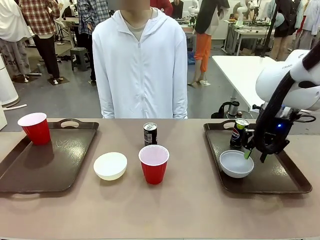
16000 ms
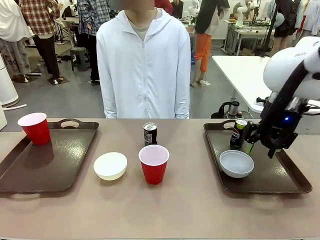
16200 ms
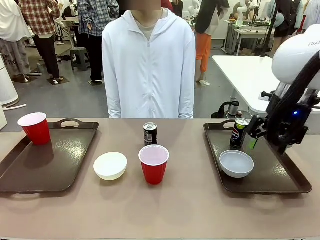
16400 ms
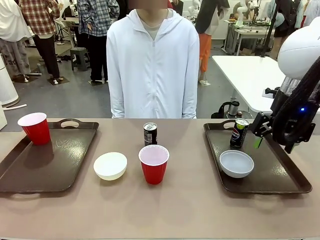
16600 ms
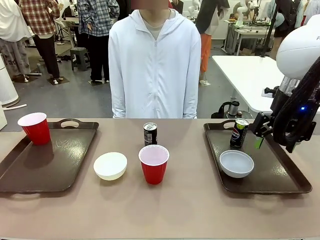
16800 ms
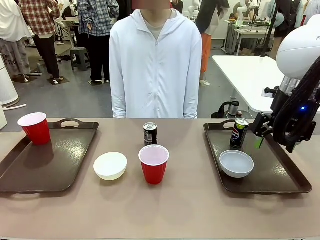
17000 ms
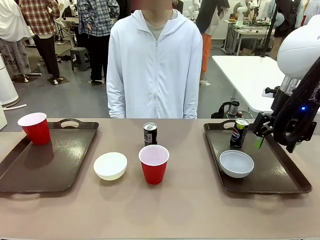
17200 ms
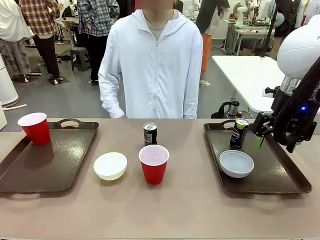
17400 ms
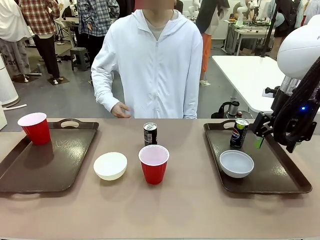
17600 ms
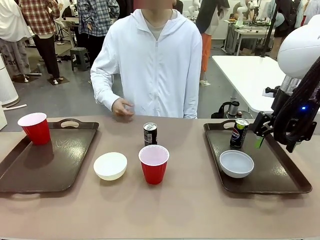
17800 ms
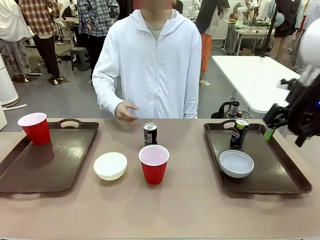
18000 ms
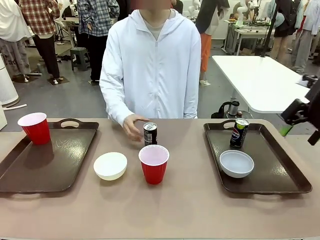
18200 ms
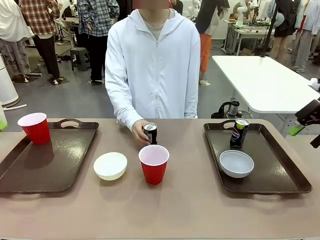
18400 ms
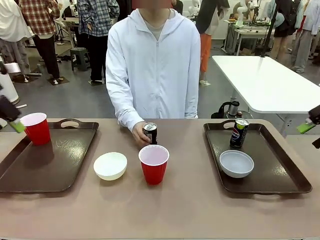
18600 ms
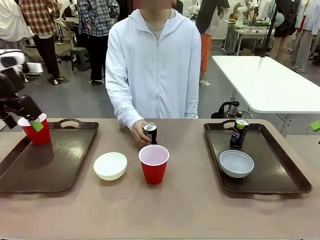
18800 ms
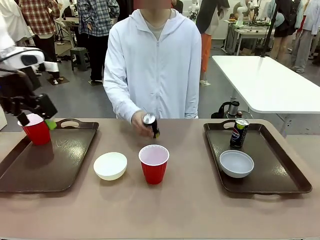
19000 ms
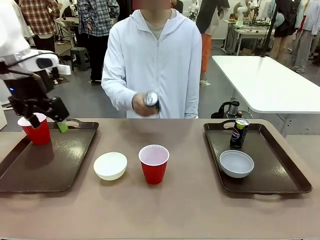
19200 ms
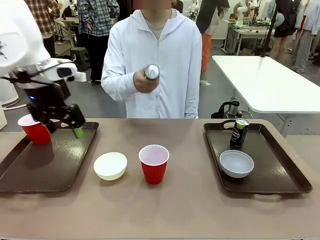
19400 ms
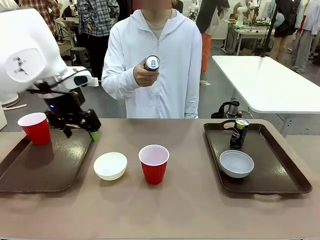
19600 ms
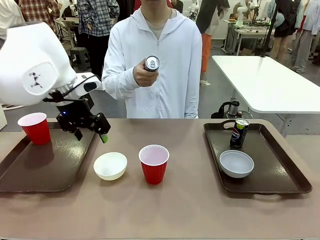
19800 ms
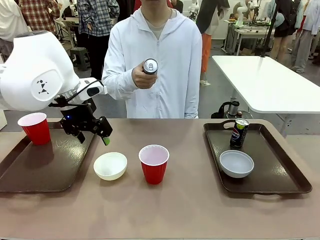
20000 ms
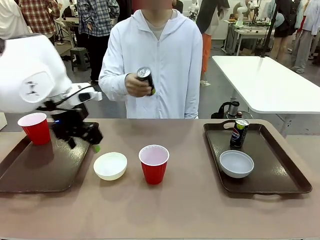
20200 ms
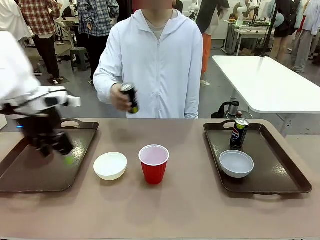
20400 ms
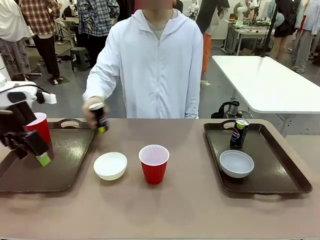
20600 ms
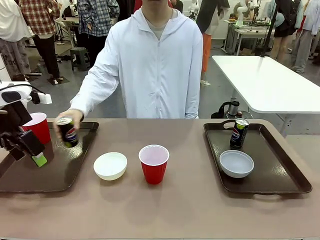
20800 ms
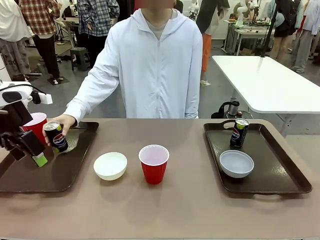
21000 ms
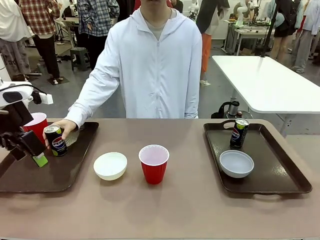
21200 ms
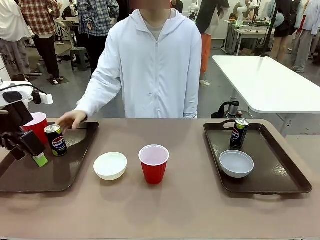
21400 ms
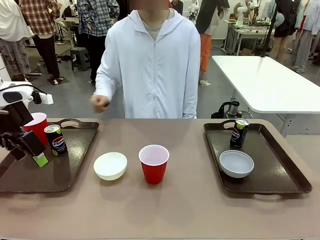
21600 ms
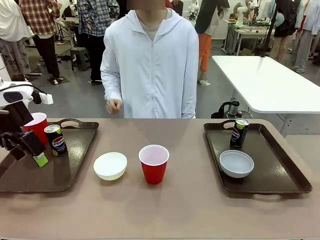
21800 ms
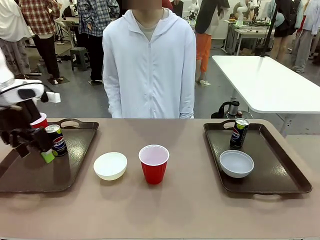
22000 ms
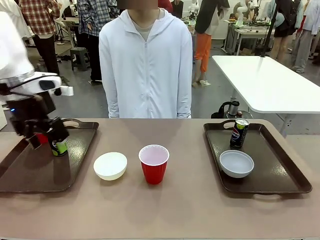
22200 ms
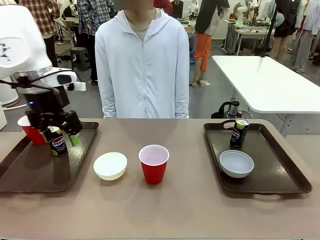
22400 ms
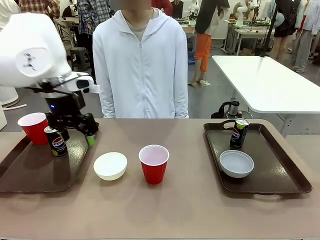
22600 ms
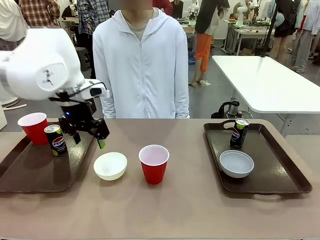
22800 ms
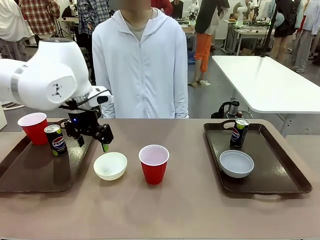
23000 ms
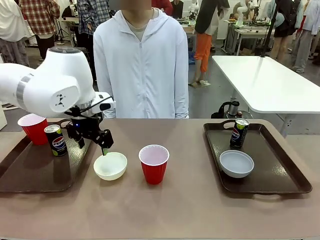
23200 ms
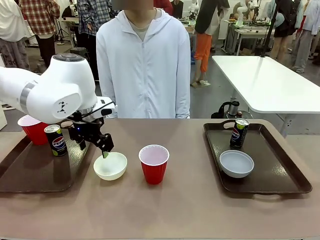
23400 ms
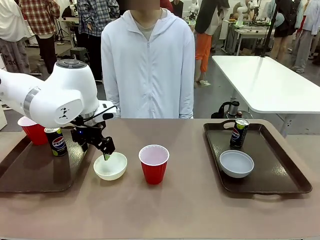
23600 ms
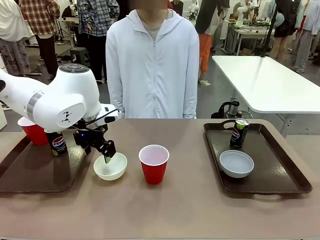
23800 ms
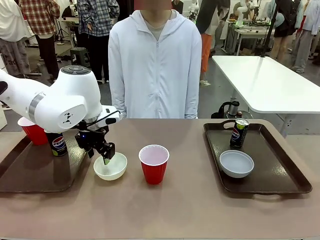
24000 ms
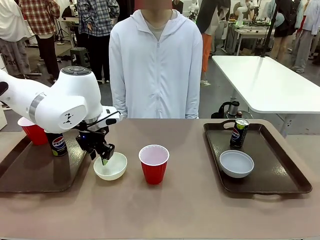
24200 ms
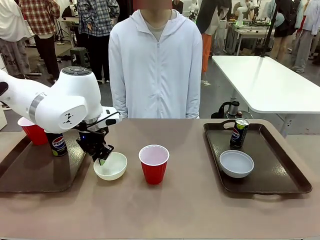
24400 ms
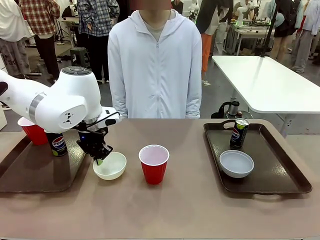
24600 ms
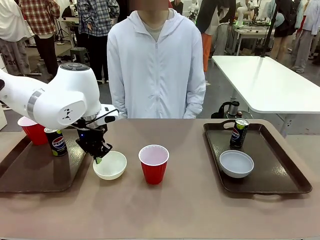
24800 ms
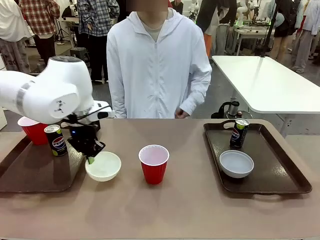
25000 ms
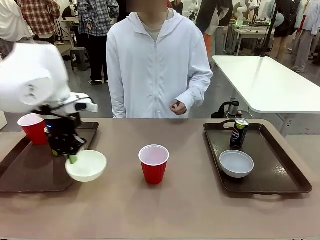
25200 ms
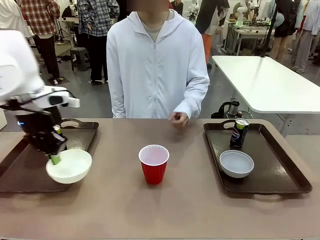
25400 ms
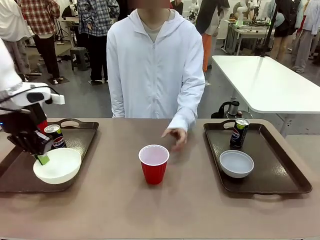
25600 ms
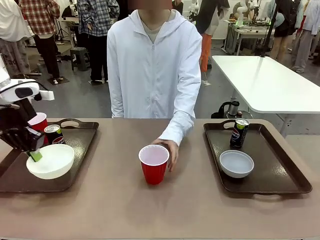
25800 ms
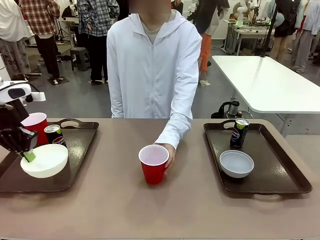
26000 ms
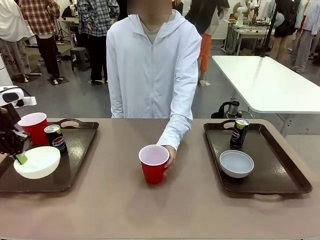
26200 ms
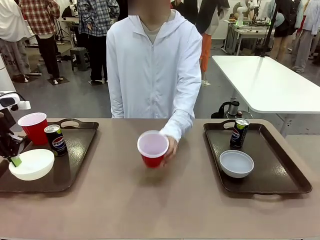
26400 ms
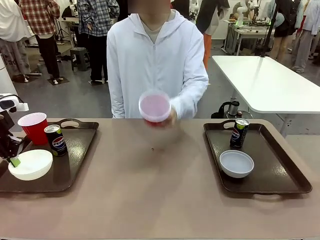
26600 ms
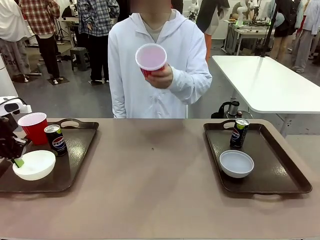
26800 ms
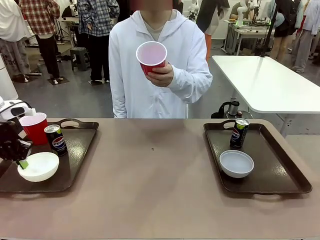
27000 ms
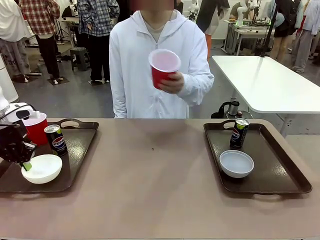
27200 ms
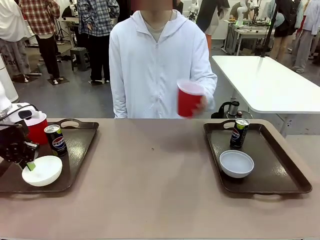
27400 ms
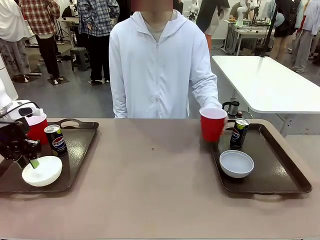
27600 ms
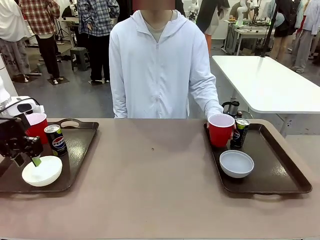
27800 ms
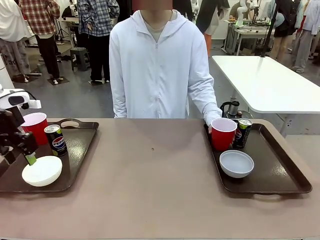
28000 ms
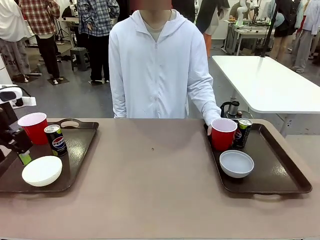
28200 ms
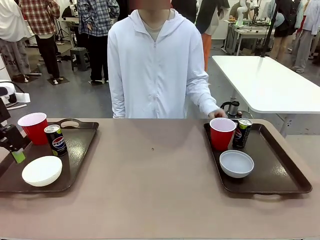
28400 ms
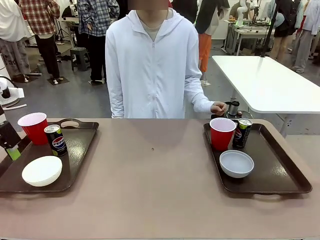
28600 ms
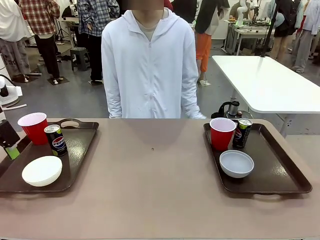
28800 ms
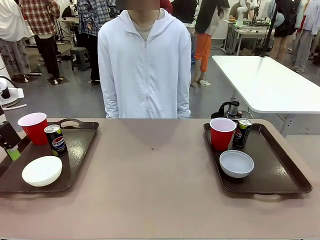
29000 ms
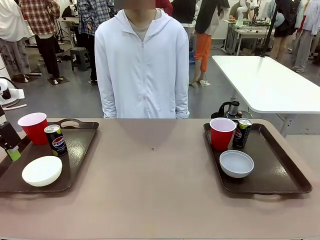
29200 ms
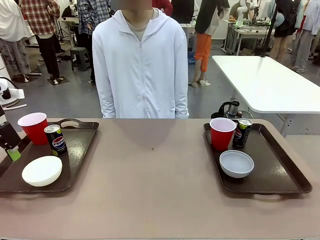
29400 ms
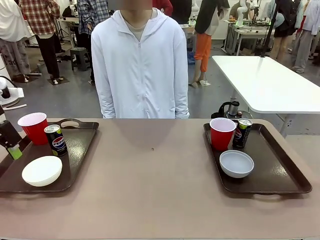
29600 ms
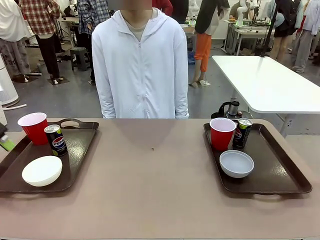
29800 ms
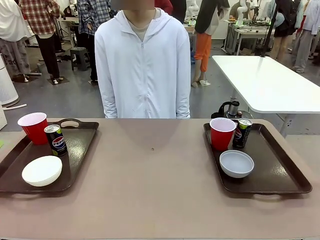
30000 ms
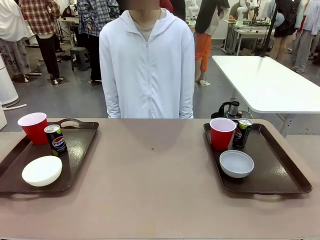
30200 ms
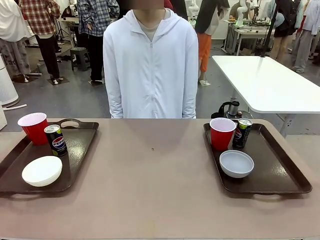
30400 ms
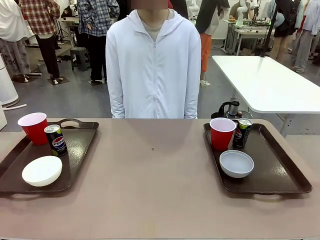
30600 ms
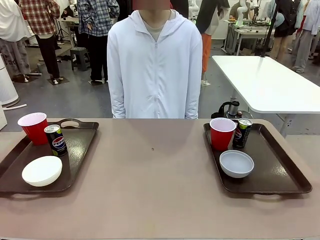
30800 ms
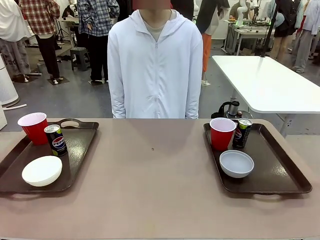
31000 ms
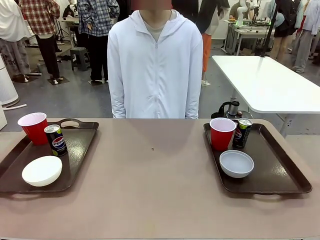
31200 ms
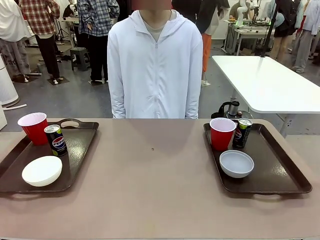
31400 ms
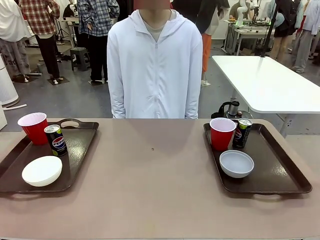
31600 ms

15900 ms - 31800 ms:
Task: Prepare tableware on both trays.
Robot: Pick up a Picnic Bowl from the table and place it on a Handle tray.
Person: Pick up a can or cup and place it on the tray without a can or cup.
